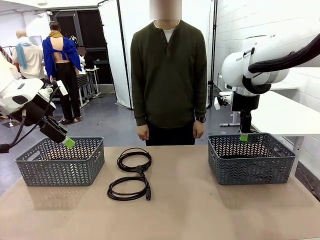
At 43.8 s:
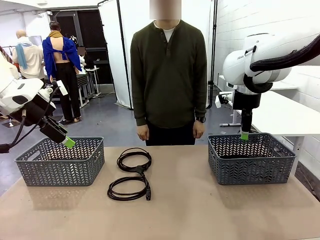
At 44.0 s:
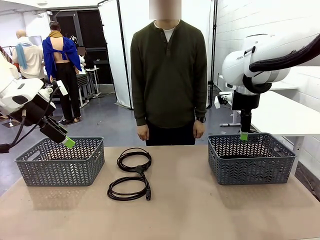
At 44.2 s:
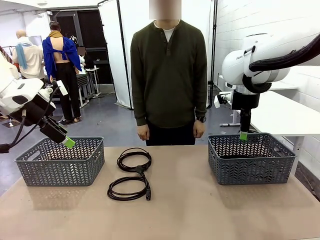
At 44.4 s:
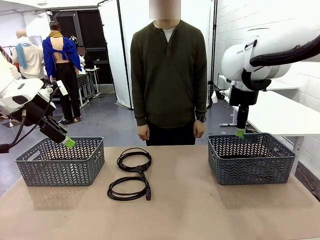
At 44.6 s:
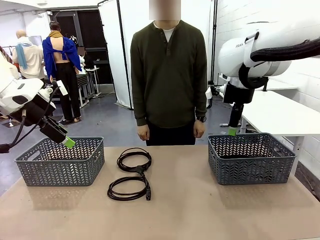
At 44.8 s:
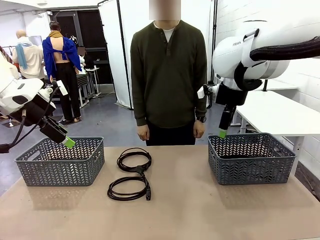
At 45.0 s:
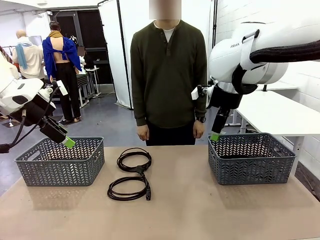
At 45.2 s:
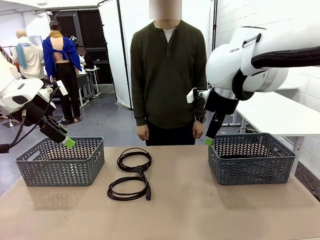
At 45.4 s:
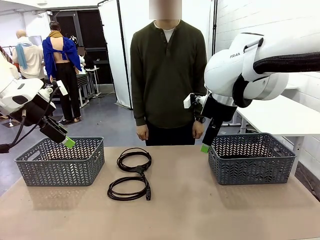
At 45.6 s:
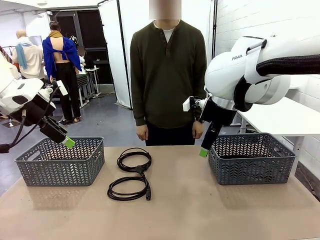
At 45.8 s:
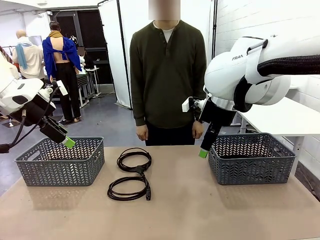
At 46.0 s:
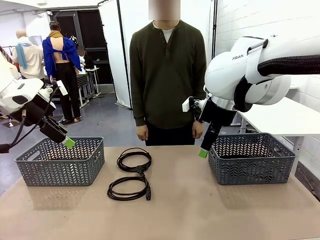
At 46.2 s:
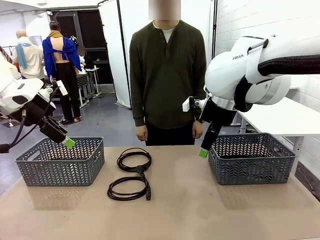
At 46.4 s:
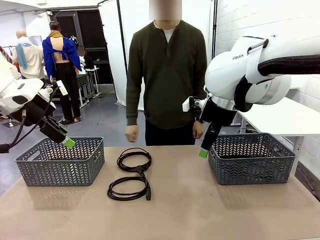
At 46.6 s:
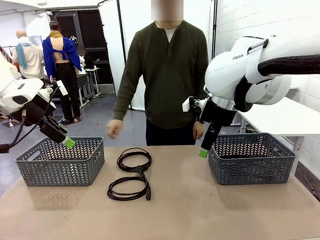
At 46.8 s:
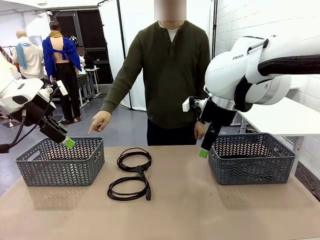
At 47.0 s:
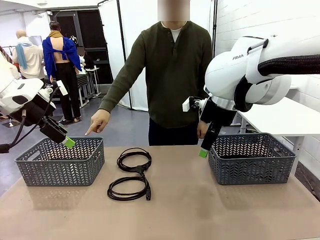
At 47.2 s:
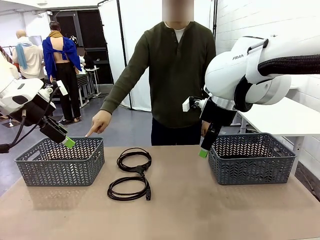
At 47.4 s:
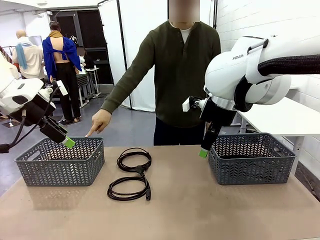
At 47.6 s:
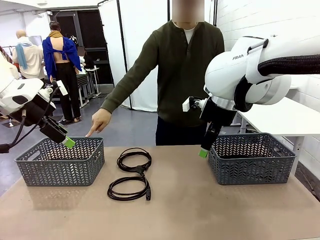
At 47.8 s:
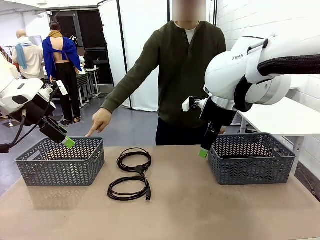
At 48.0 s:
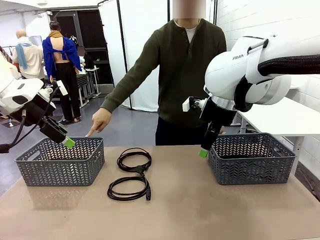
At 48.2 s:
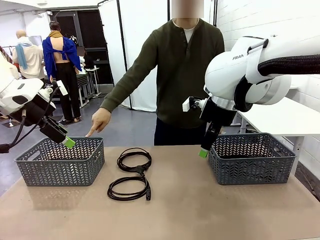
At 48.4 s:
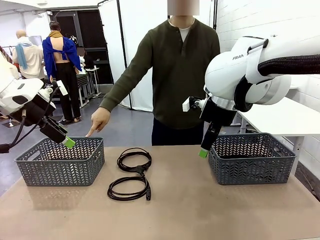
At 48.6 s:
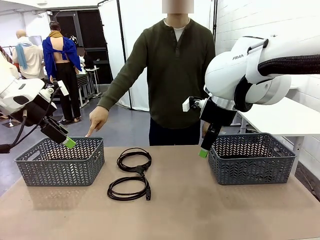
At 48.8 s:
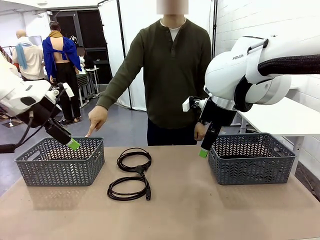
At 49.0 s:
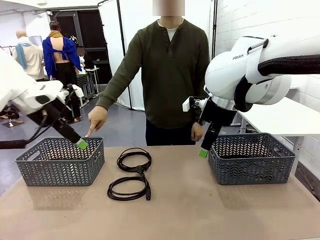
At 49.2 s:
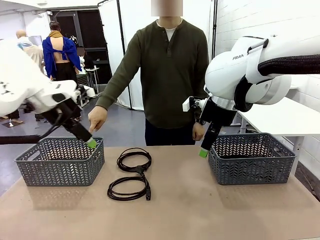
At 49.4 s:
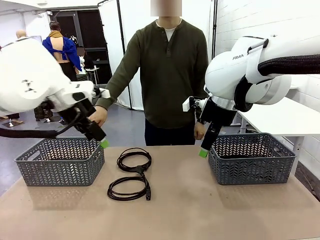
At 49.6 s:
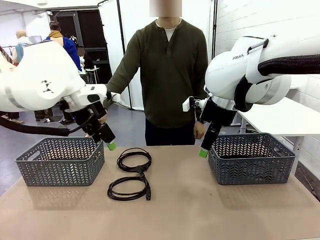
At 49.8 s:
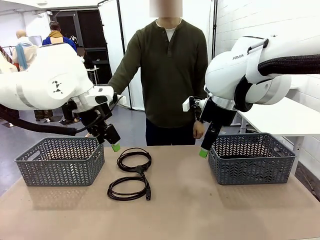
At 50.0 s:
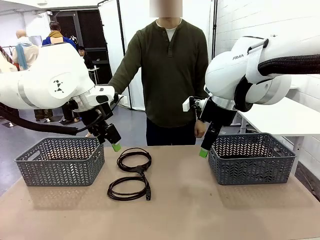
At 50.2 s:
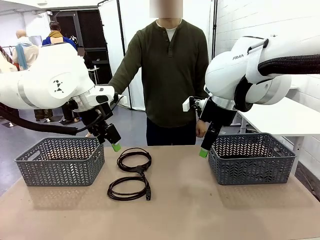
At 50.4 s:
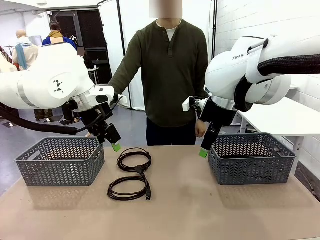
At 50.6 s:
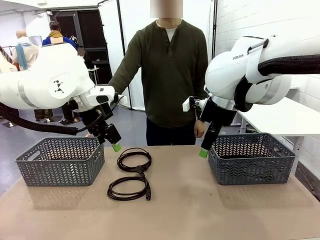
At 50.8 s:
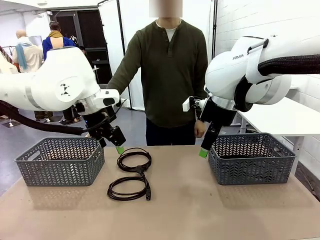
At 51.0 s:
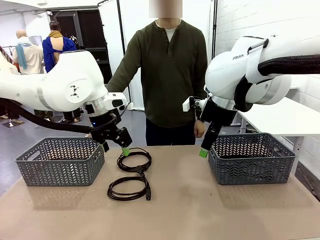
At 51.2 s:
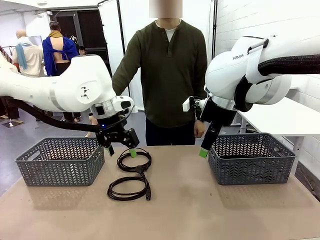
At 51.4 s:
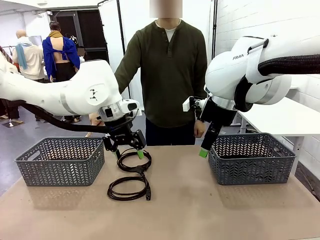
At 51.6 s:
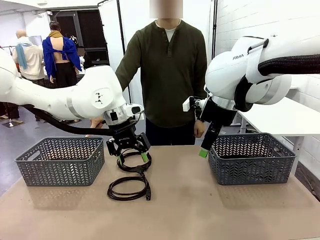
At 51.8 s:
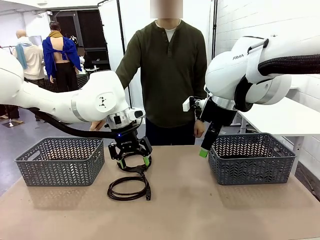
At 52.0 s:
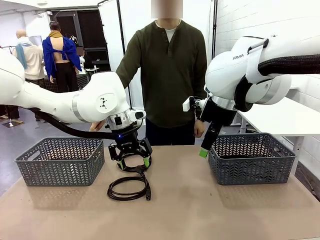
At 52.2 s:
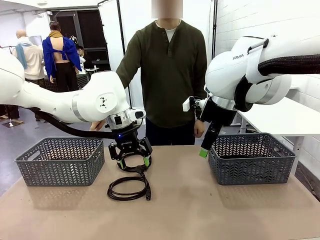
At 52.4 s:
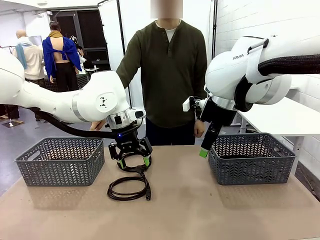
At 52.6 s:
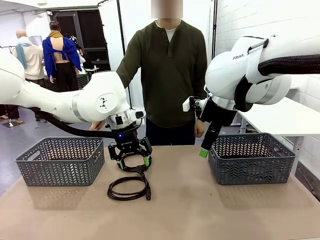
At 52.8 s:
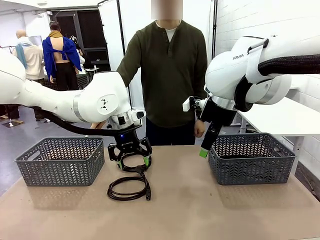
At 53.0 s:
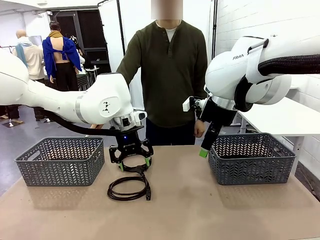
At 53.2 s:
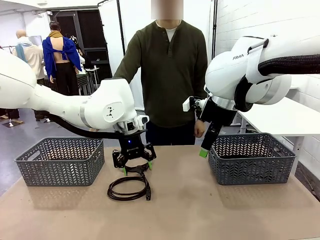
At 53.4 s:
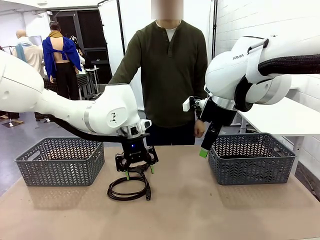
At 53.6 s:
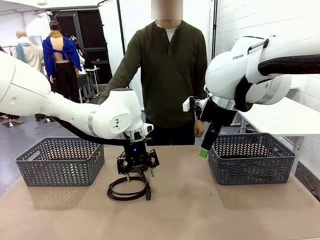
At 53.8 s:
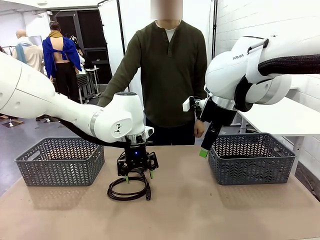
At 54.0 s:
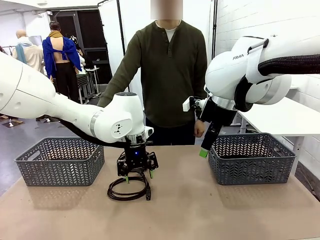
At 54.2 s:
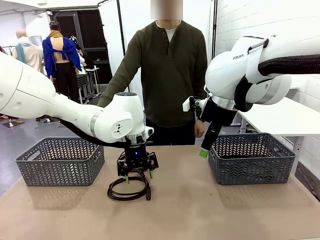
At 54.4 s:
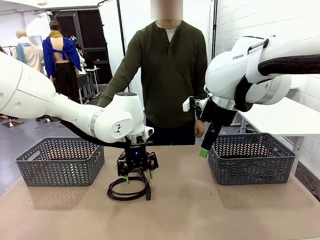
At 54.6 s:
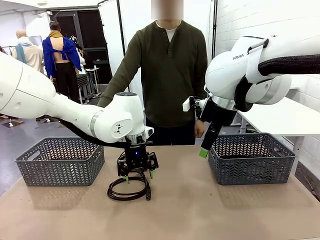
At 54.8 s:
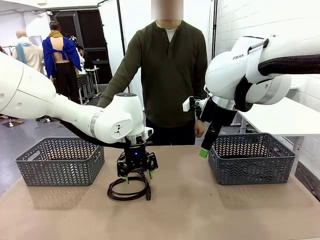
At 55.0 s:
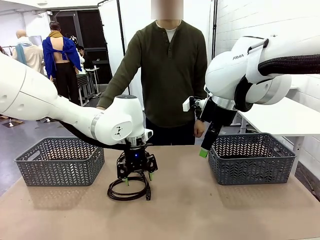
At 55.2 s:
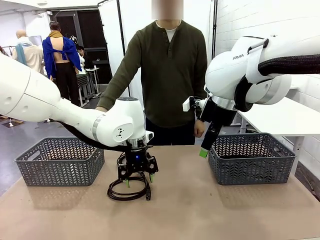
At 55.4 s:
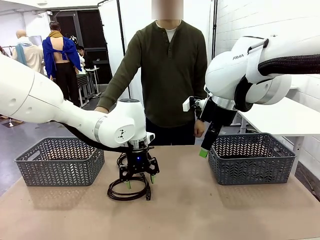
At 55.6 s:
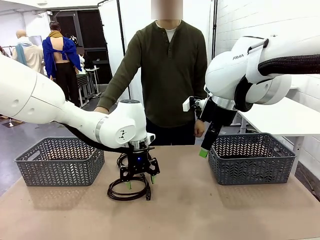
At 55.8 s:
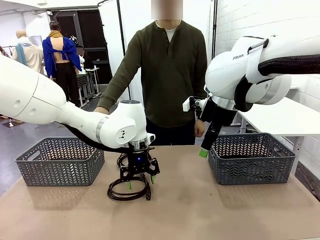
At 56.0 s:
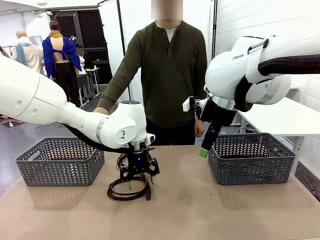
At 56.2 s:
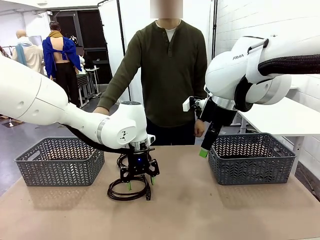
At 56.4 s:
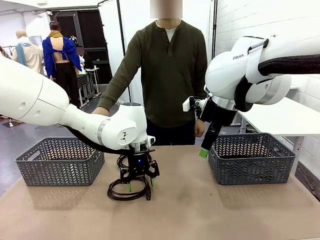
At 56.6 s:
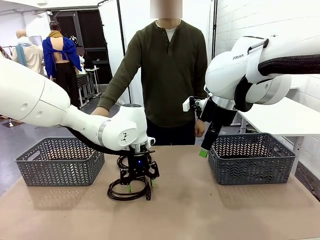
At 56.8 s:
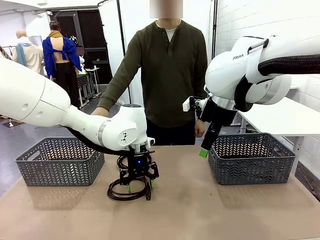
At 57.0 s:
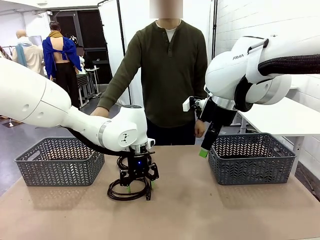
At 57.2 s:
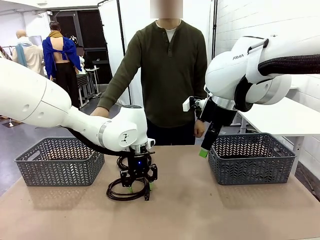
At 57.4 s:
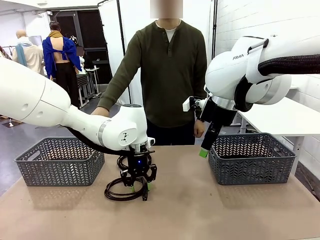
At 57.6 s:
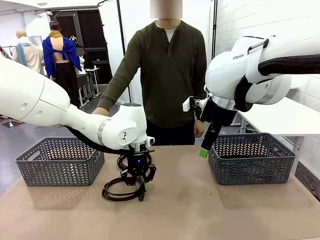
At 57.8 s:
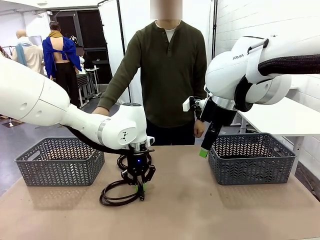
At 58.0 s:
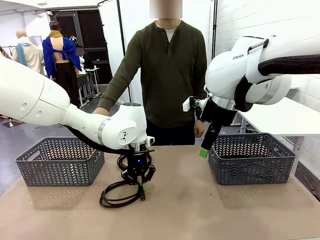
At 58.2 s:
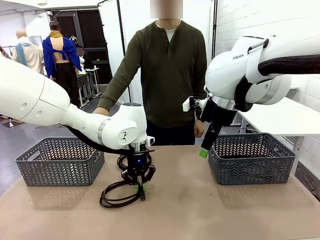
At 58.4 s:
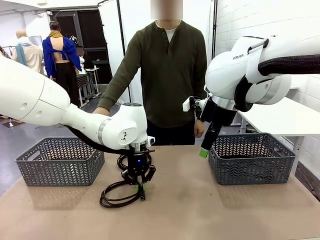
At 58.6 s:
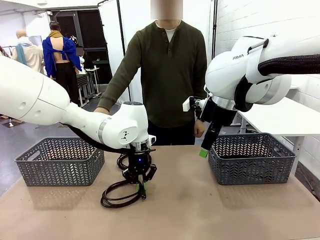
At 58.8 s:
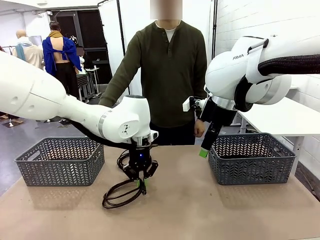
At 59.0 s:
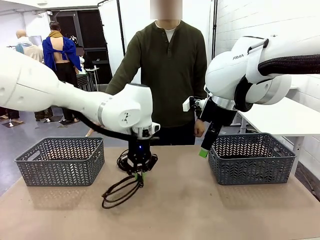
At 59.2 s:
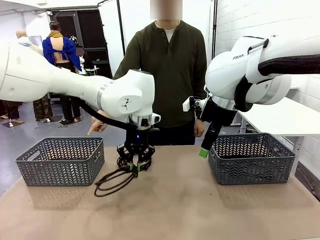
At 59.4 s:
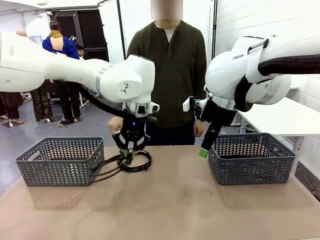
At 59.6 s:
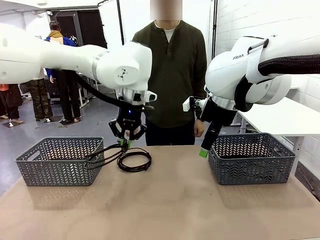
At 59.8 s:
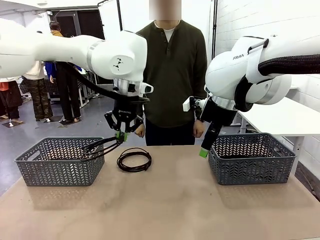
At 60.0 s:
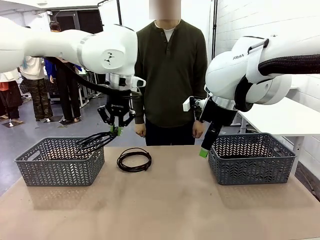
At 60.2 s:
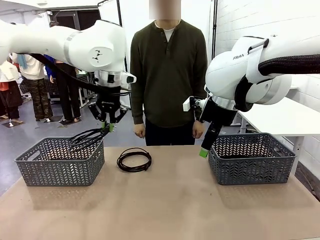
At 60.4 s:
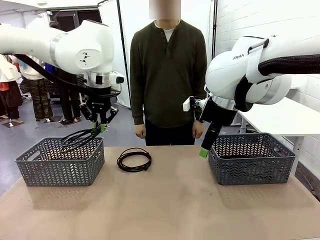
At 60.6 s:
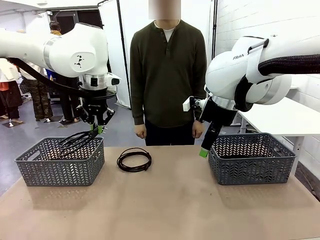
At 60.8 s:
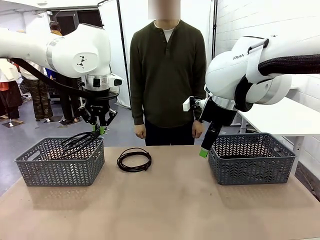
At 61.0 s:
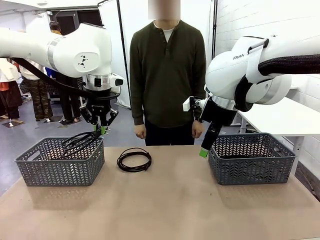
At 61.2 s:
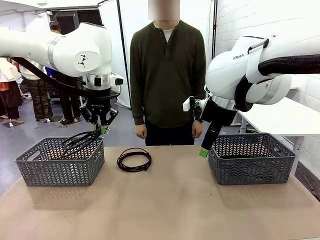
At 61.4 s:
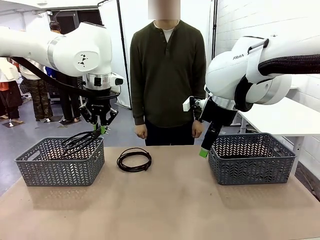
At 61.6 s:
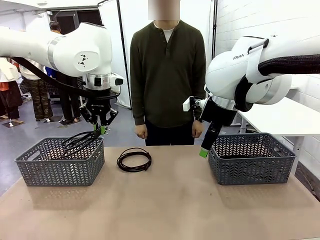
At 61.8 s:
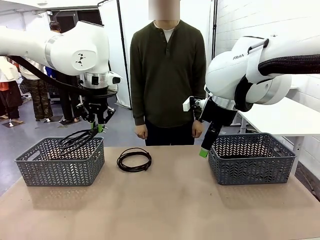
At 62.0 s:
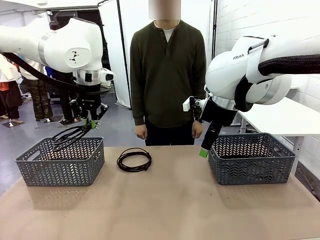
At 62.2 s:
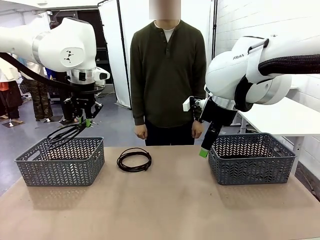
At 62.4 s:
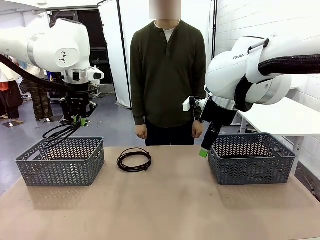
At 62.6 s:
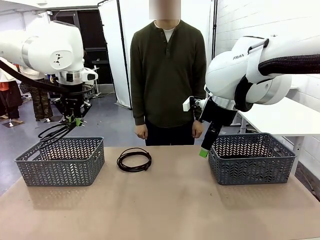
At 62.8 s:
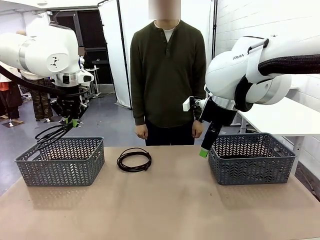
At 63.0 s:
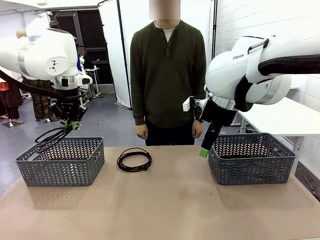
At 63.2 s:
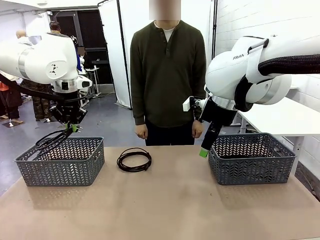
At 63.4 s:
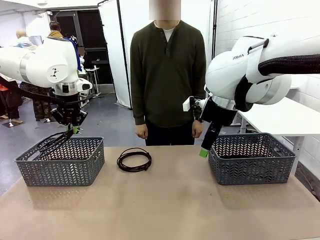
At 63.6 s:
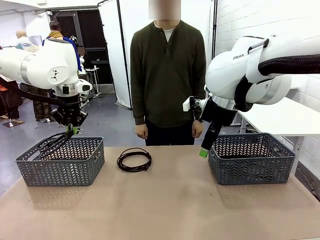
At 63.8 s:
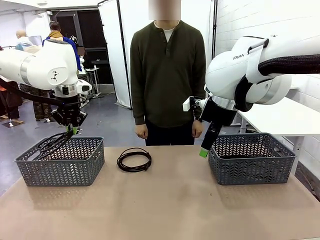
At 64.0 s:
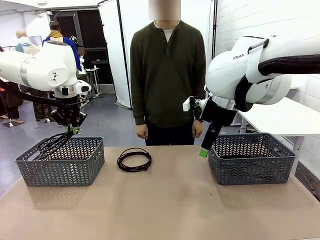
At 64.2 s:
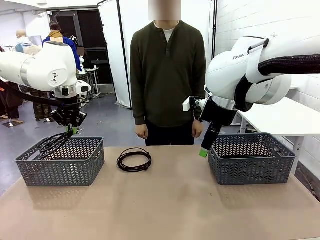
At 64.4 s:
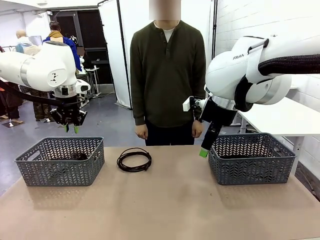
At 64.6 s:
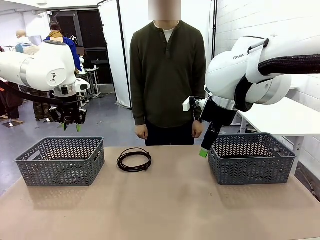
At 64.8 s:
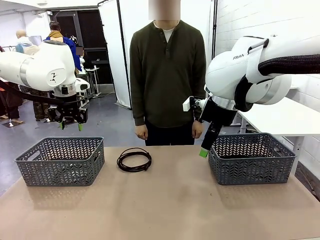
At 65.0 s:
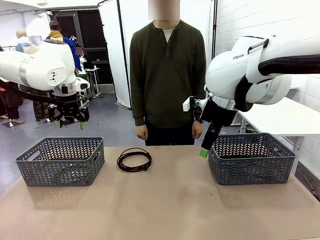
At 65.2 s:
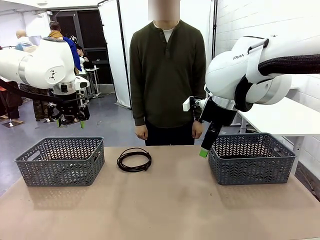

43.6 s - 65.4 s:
Task: Organize the cables according to human instructions.
Robot: Pick up a bundle of cables and place it in the basket indicated by the human.
